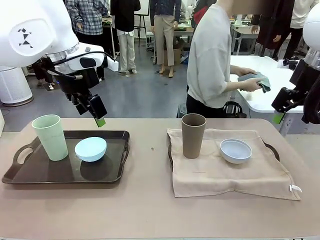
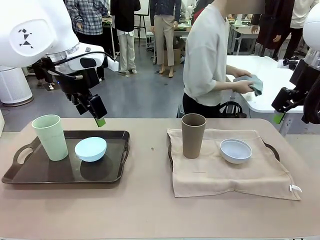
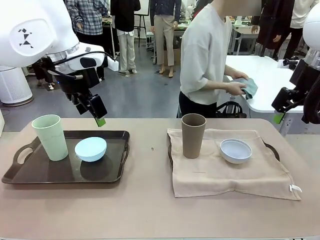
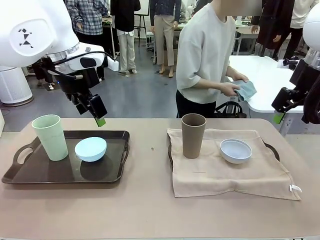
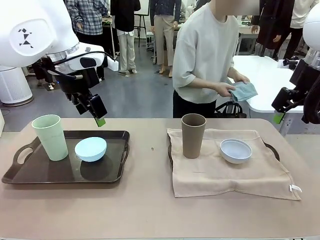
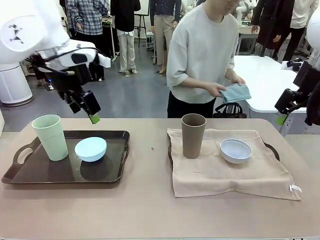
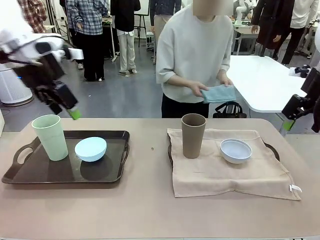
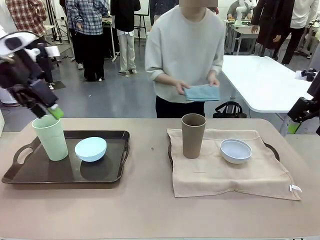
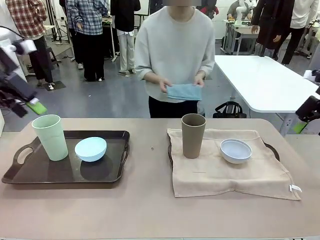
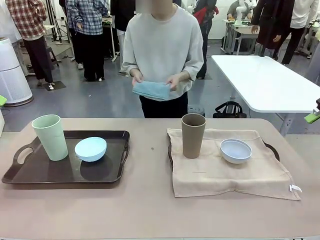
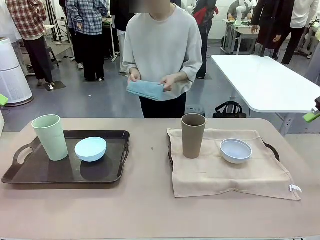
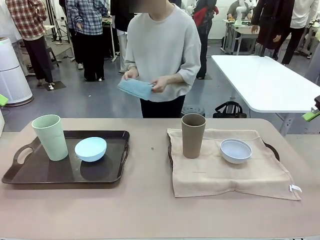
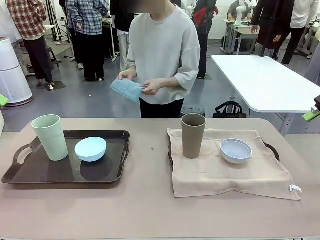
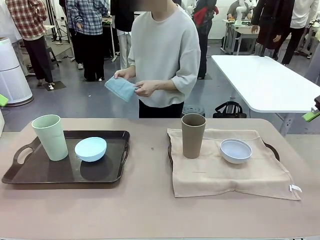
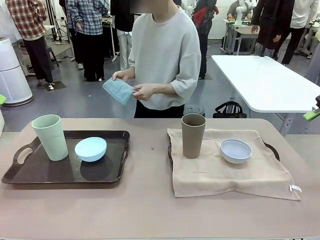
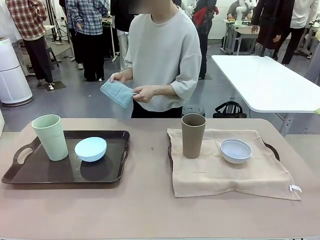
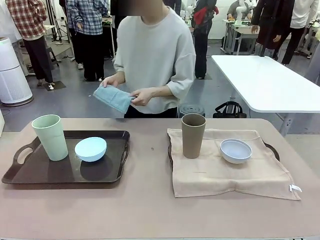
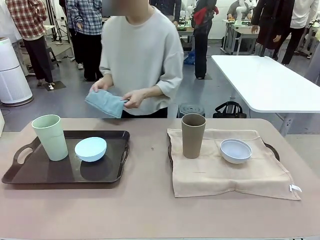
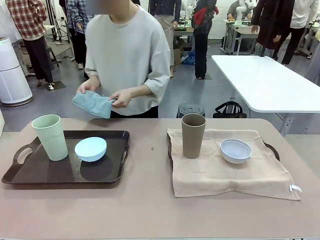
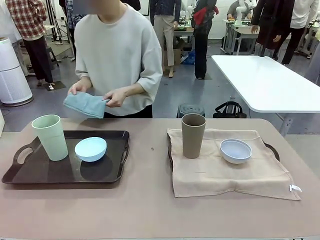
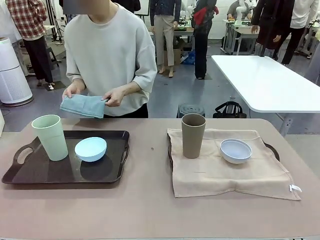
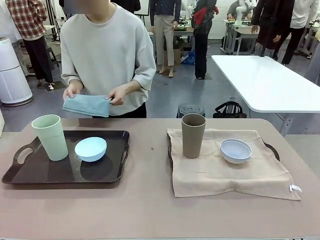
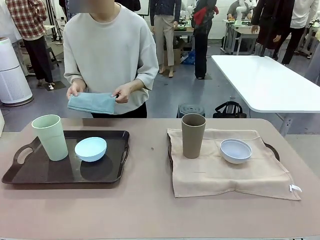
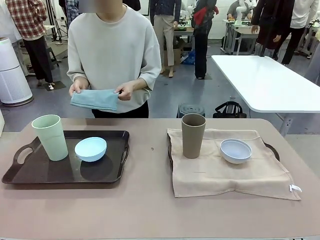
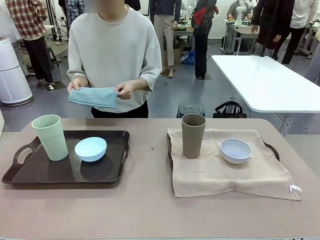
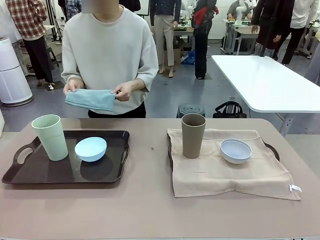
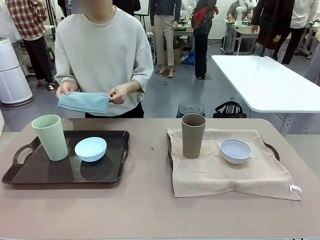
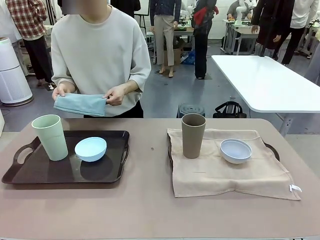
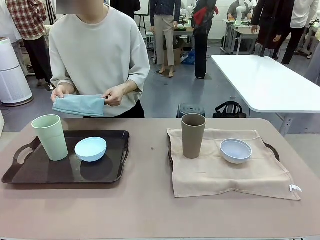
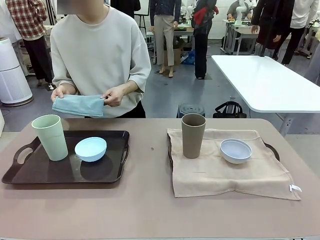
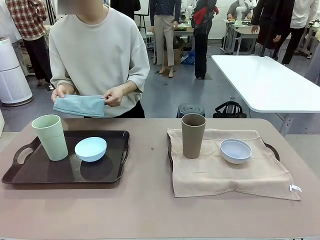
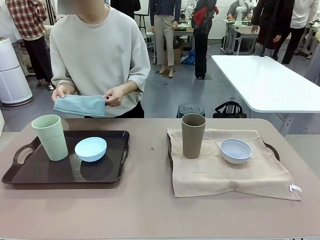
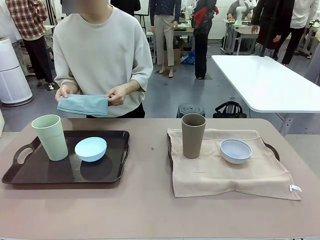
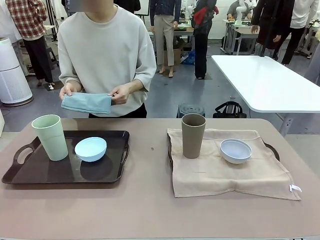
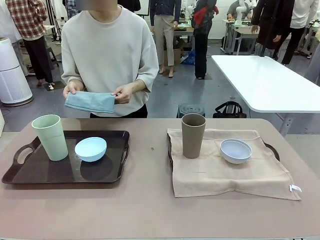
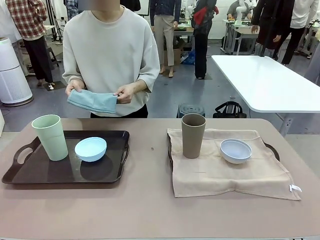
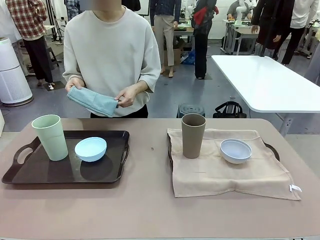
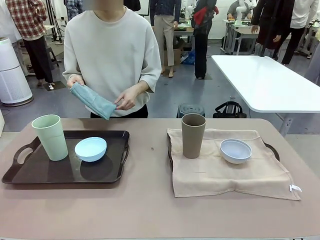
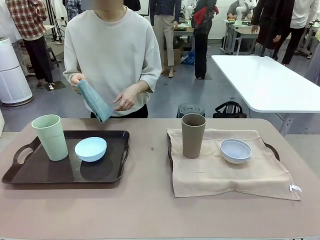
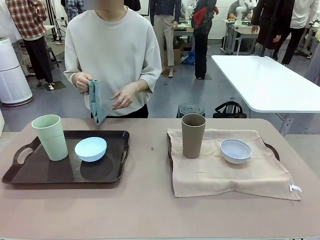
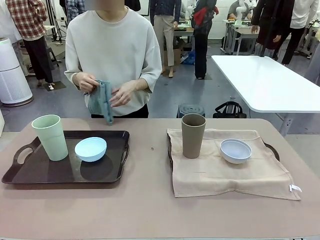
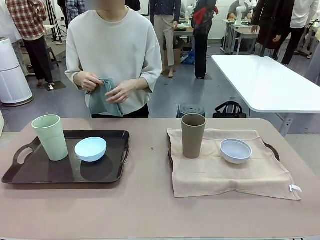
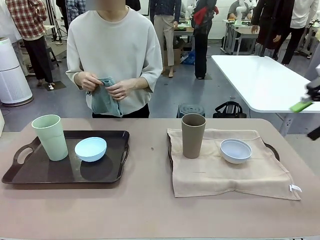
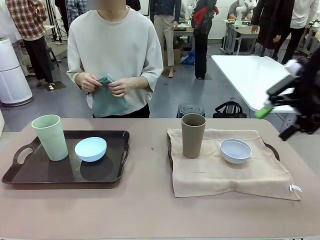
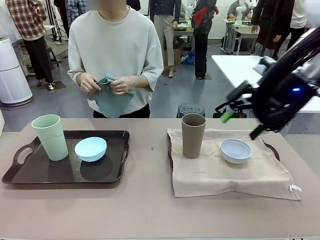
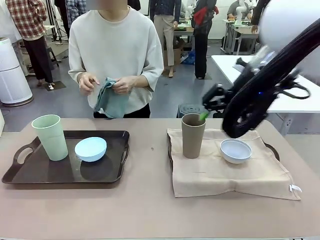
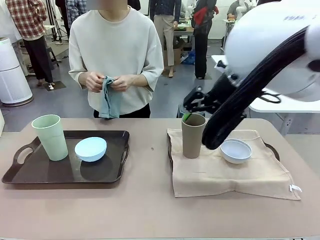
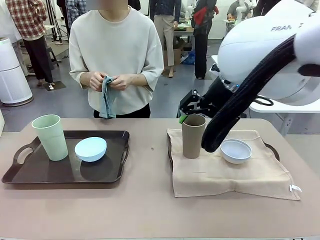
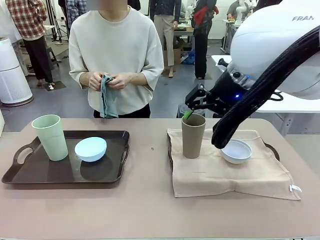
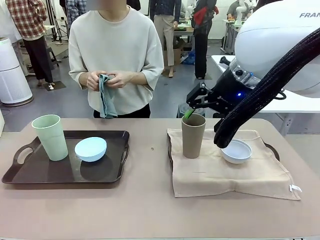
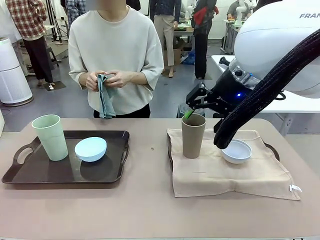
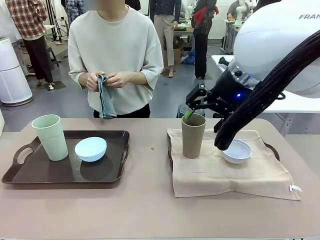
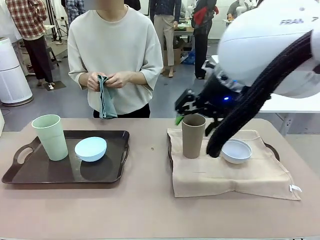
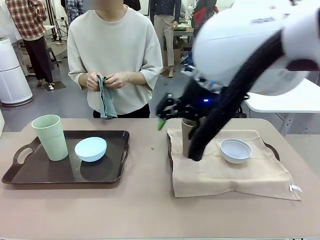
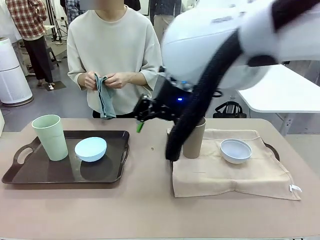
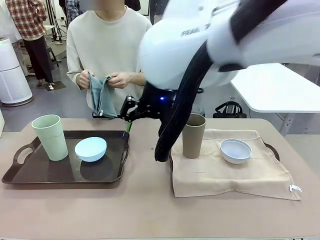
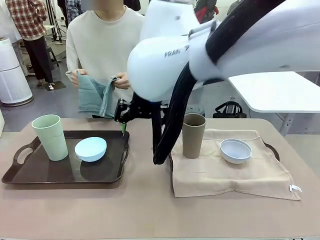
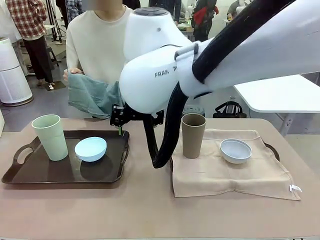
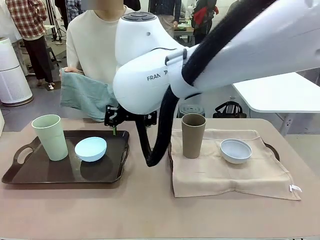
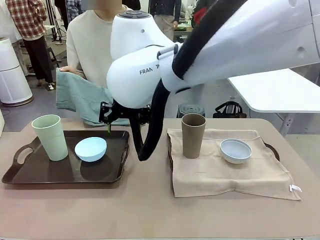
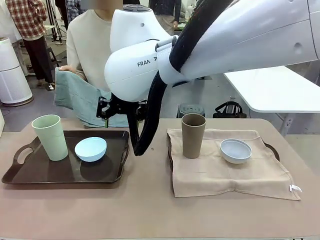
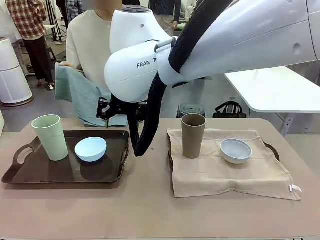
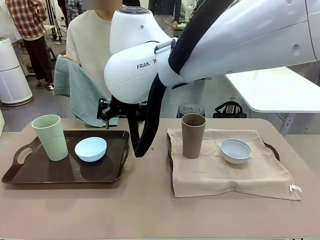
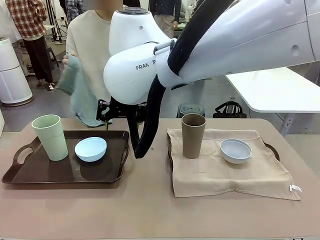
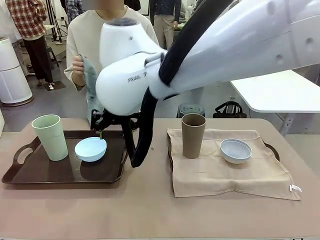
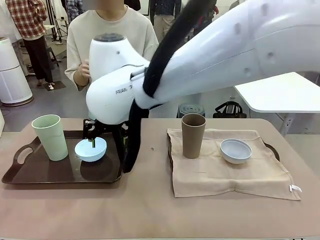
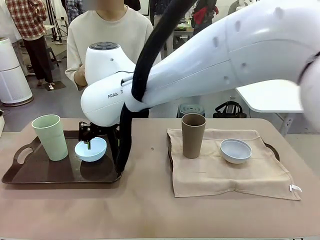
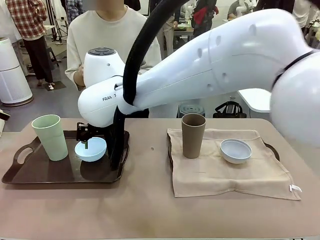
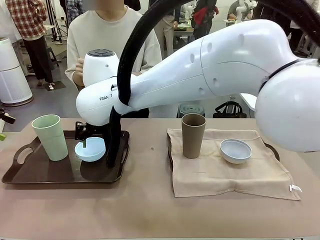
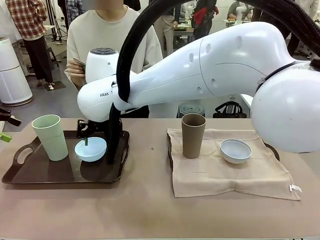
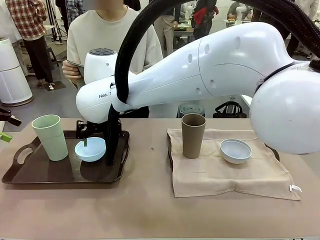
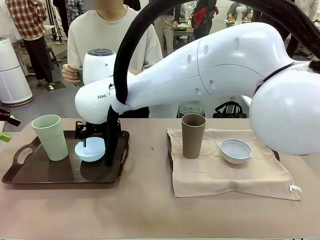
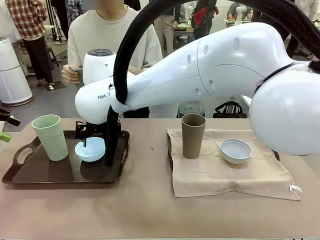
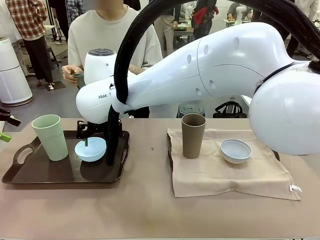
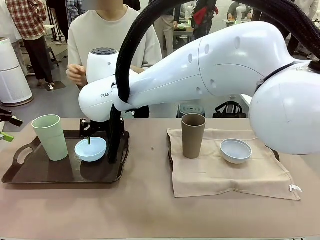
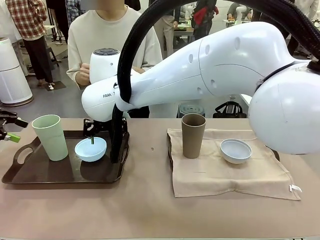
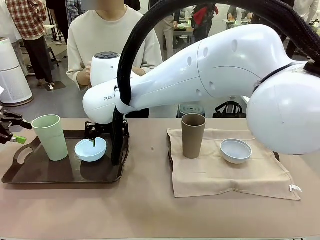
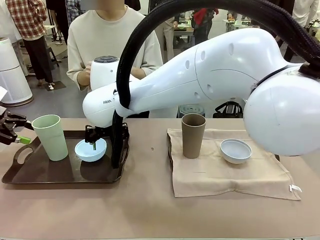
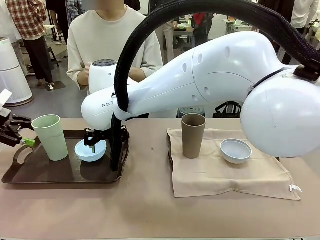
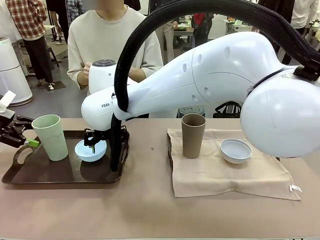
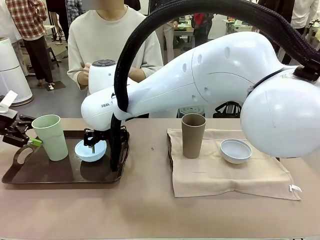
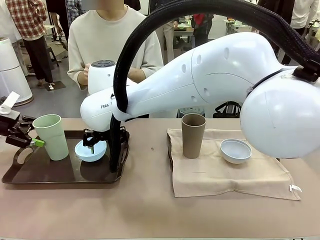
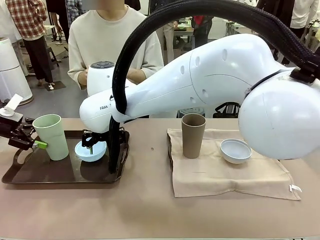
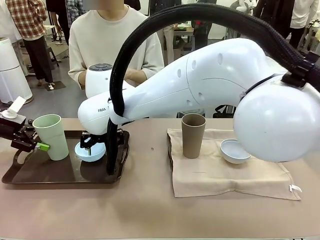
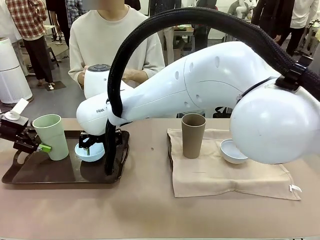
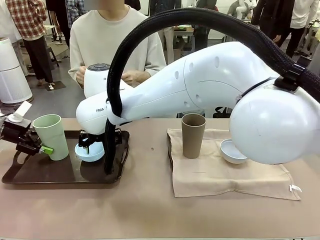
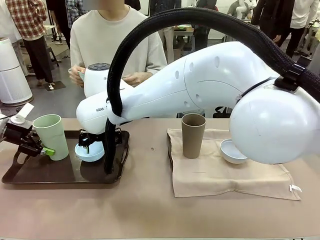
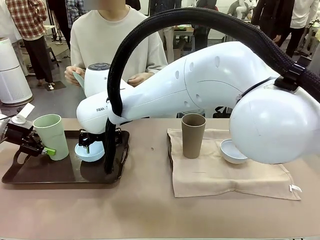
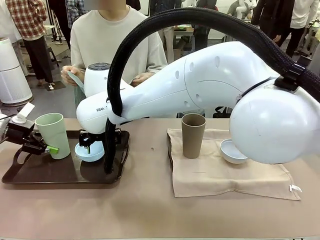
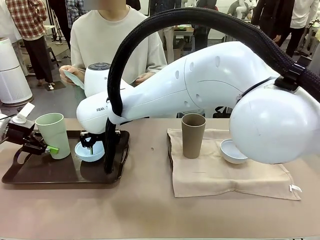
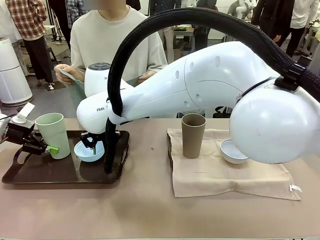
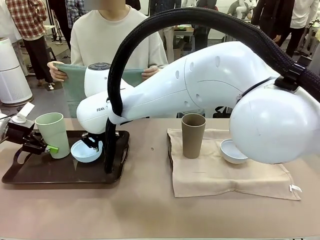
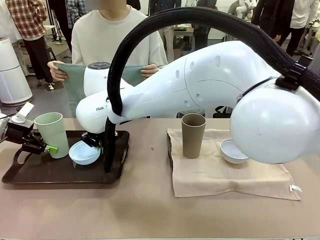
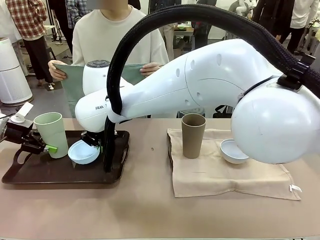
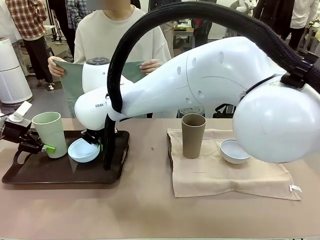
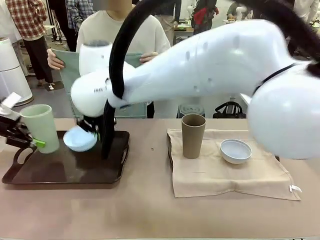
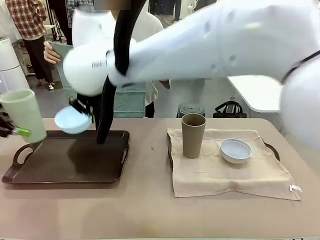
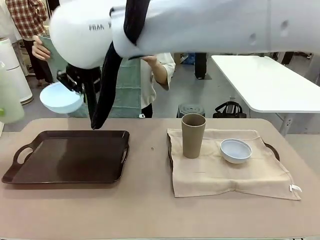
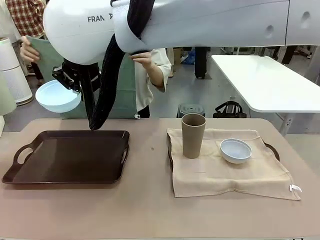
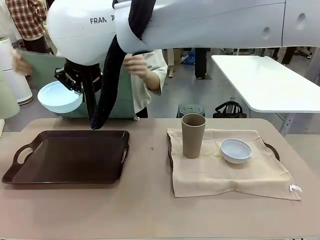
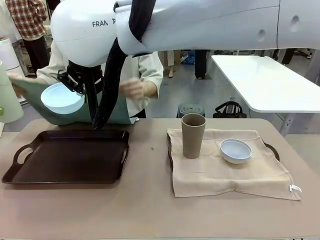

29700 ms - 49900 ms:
Robot: Pick up the Picnic Bowl and Reusable plastic cup from the Handle tray in front of the human's position and hold them in the air.
Person: The human returns to the human table to pick up another napkin and walks to the robot table to stand in front of the tray without a napkin.
